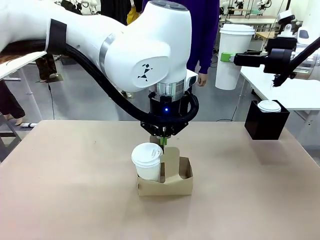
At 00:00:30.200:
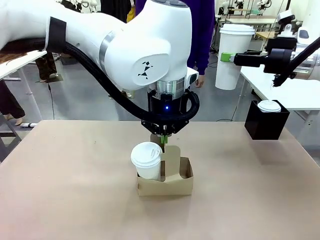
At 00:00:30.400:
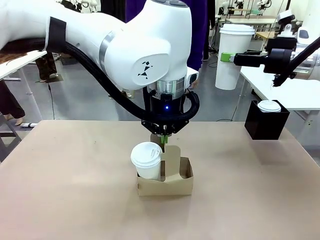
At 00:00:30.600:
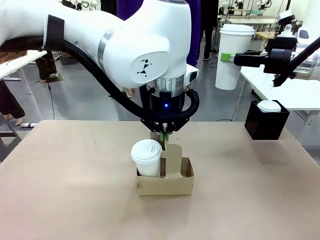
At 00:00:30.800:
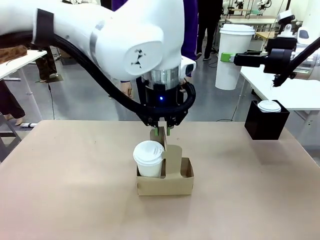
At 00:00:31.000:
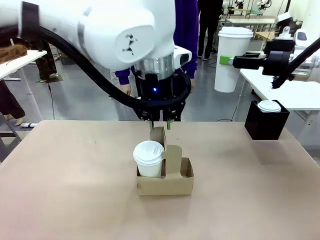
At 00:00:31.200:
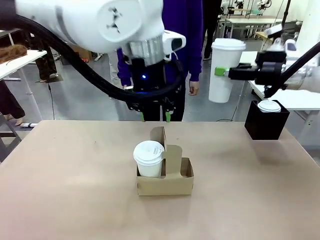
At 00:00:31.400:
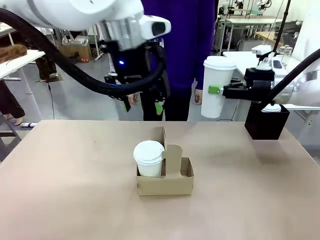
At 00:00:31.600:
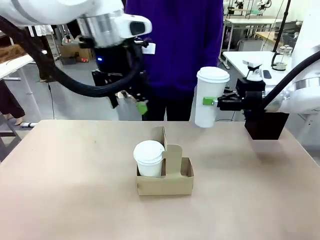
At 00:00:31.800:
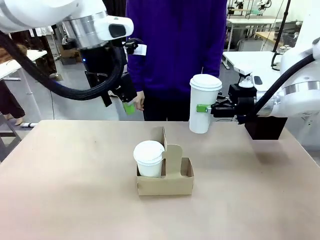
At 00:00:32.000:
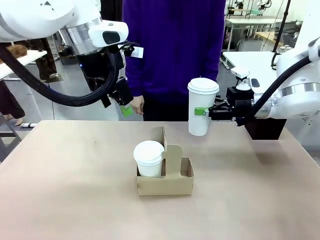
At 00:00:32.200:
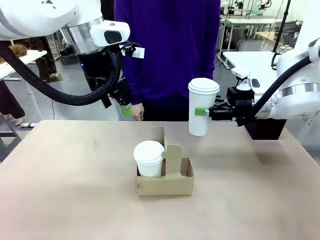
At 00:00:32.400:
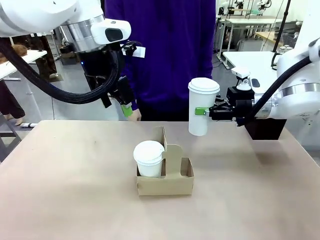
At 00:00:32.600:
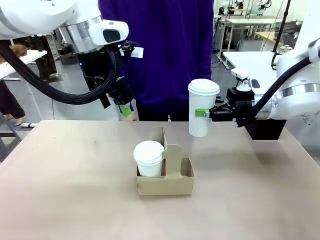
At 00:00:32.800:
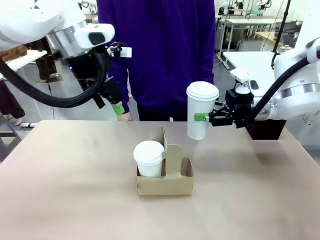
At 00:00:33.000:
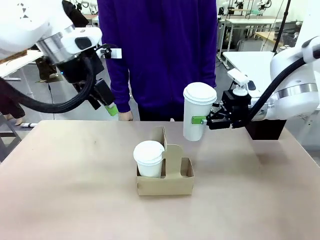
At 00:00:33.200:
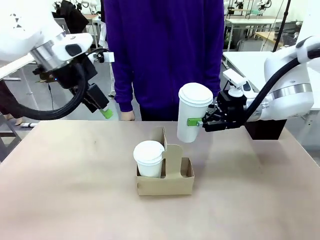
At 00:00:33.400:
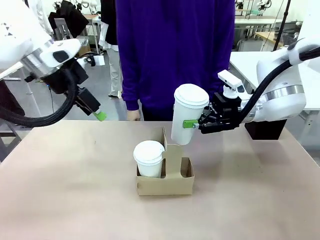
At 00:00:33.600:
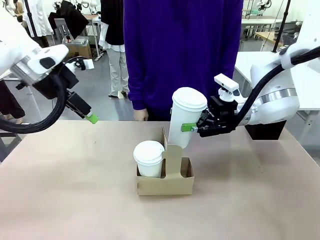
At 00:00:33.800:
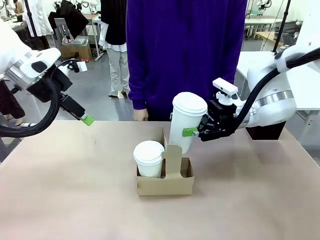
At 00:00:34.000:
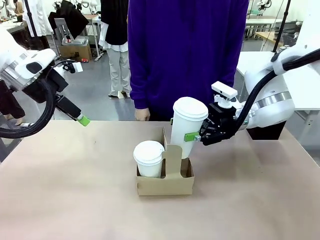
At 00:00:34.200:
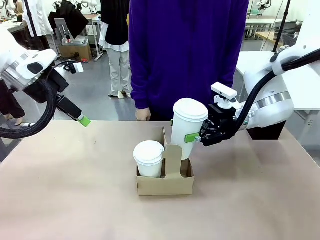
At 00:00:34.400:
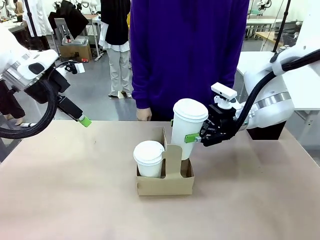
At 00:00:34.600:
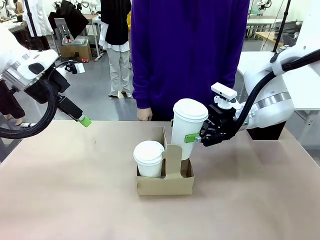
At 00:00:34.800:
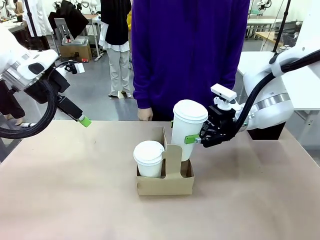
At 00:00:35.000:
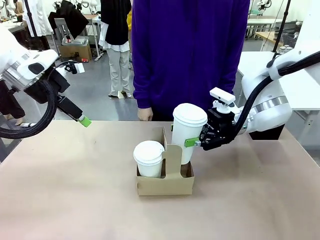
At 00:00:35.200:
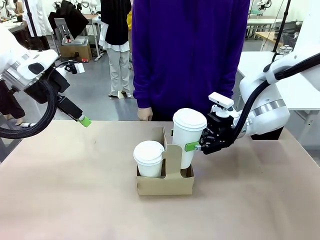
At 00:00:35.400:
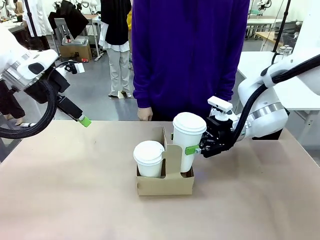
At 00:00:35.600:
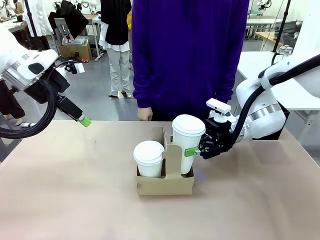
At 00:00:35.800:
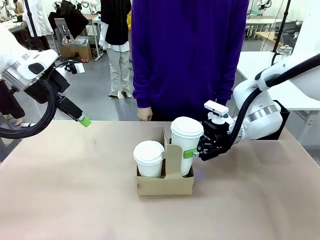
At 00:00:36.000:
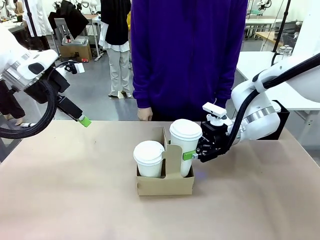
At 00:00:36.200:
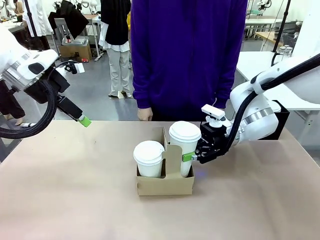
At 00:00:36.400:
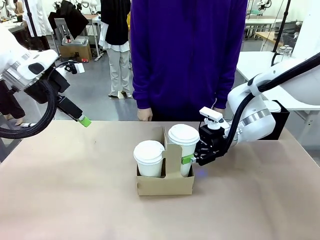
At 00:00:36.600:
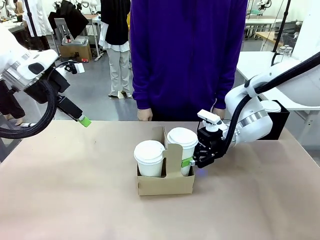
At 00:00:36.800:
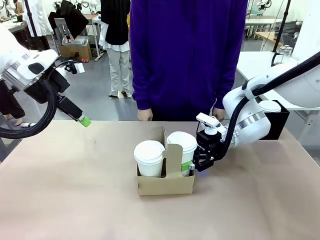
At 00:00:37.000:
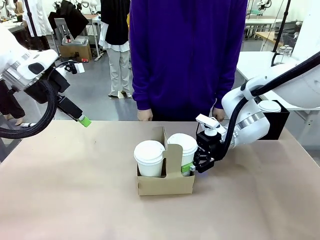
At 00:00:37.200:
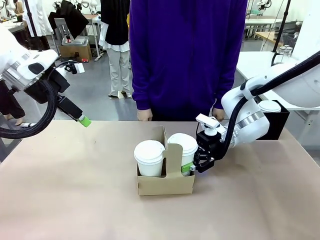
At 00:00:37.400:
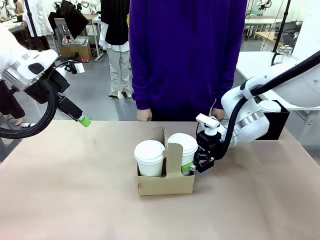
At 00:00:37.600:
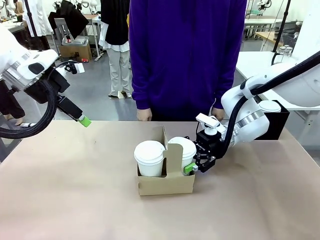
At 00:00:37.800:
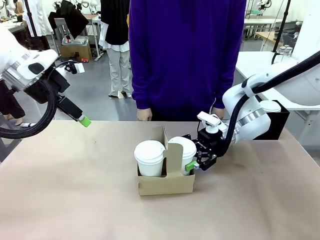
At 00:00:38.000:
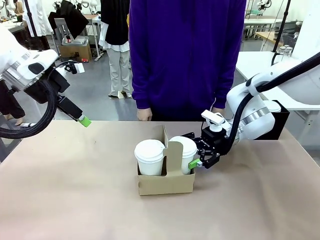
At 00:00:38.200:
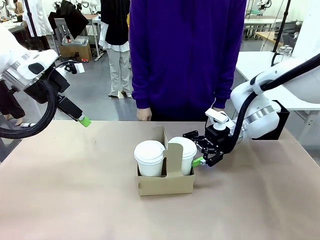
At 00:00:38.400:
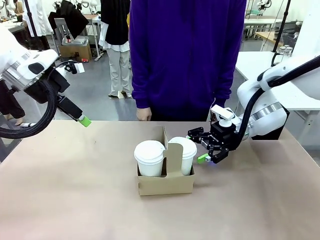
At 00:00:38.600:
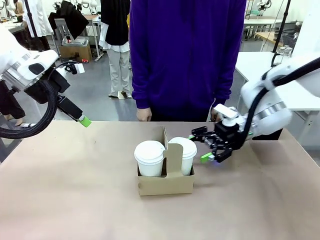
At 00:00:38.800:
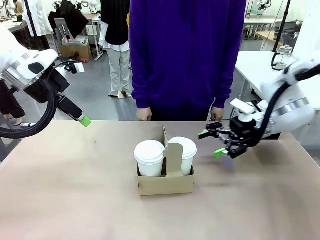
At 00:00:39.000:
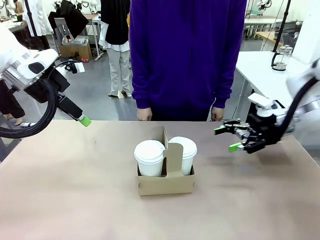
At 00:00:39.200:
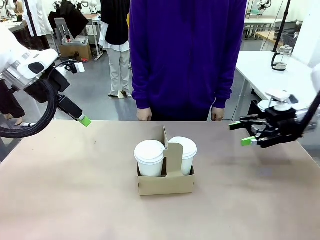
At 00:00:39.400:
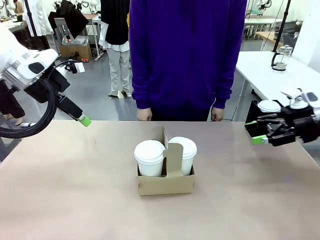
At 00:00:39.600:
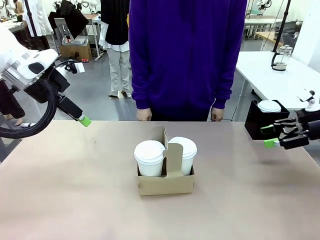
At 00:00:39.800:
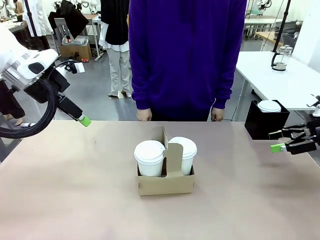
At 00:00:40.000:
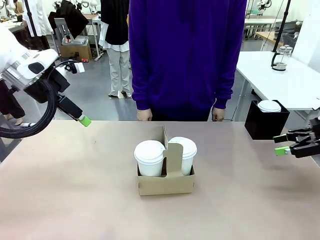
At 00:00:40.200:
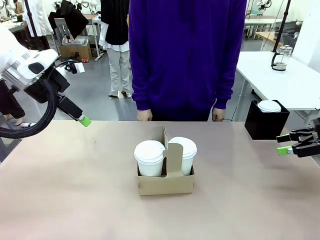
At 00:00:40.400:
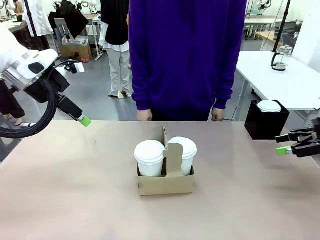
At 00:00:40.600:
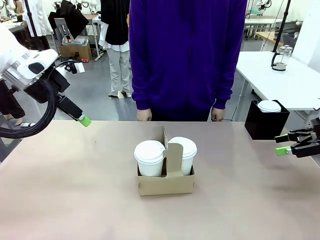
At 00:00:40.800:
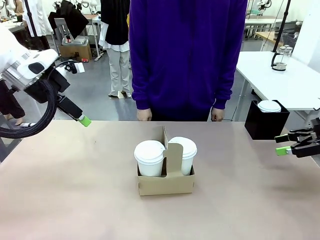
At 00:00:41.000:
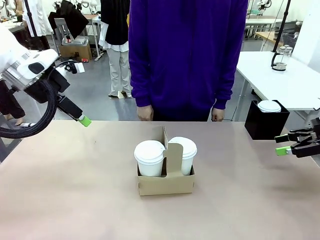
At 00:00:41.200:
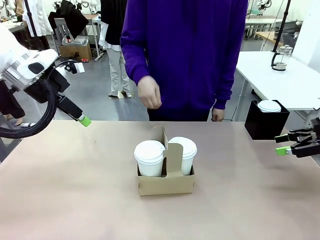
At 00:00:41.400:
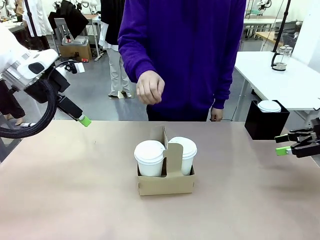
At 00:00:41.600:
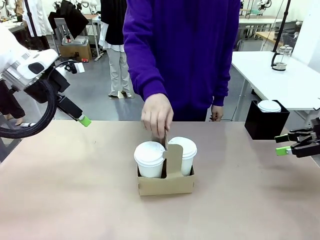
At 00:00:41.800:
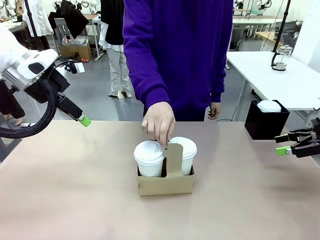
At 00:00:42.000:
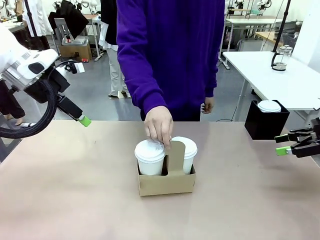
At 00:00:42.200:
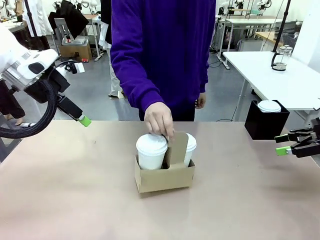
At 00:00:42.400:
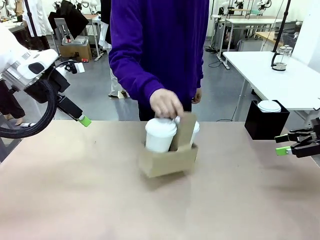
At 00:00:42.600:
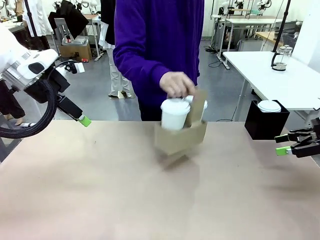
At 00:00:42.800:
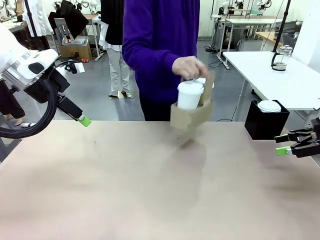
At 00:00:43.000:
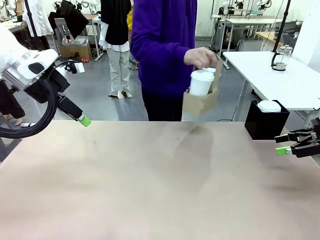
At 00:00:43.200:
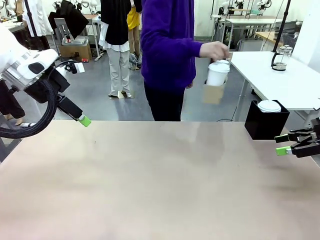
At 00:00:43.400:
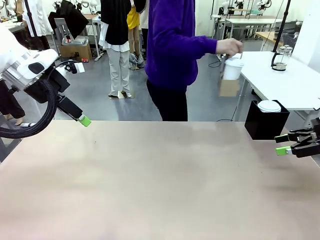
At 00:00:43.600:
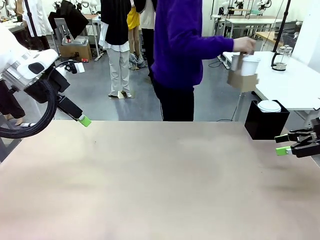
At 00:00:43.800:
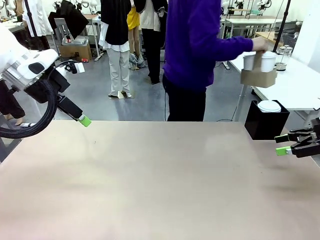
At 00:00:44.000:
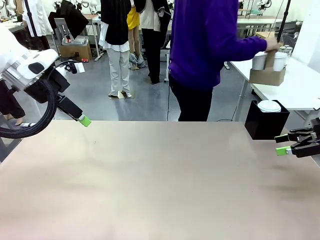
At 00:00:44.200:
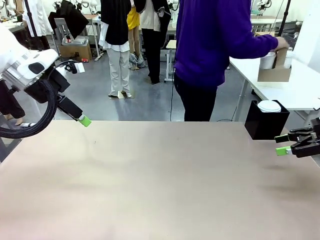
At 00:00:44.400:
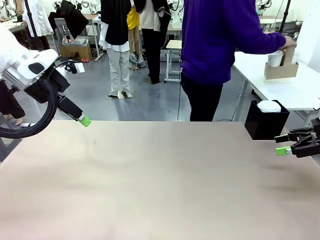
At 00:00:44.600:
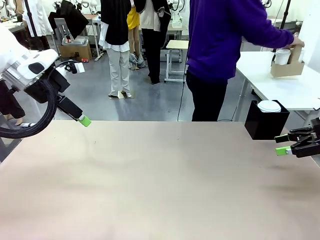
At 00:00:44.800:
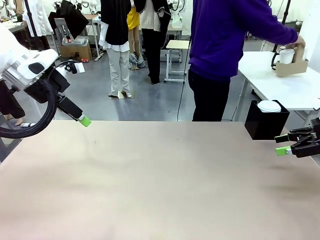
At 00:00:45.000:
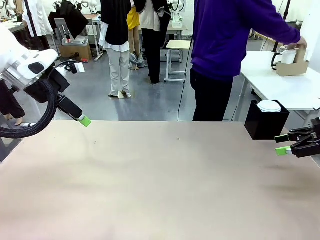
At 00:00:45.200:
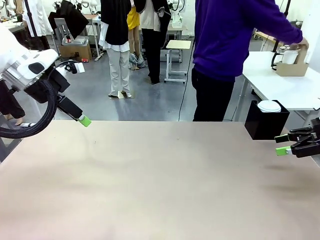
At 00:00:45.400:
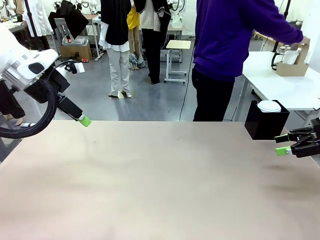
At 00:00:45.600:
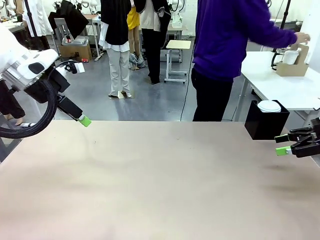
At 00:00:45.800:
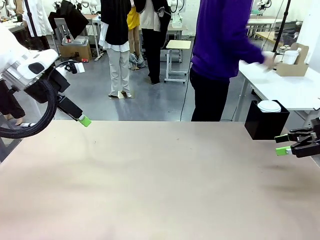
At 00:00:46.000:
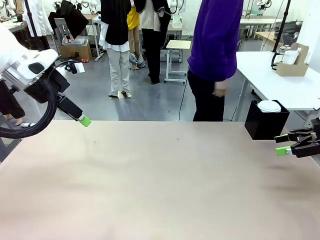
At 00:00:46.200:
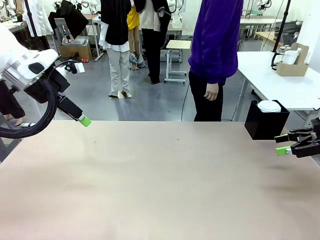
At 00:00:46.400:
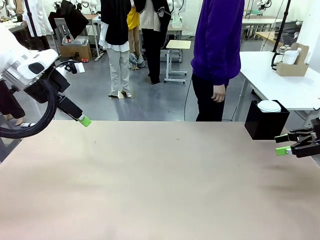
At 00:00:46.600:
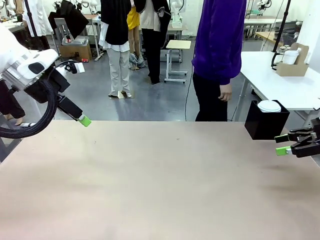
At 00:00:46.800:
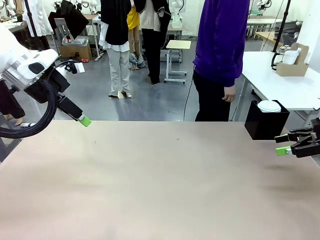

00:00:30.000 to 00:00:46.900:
Task: Pour a drink into a cup and package it in a carrier.
Robot: Insert the held 600 ml Paper Cup into the Cup Carrier.
Person: Place the Cup Carrier to the middle of Human table.
